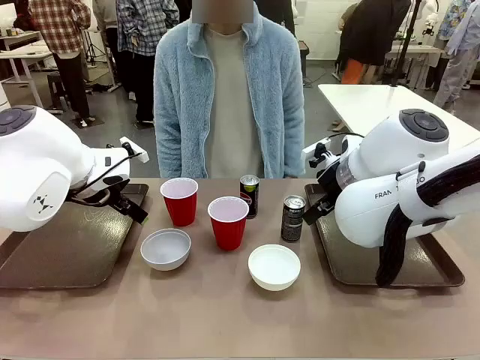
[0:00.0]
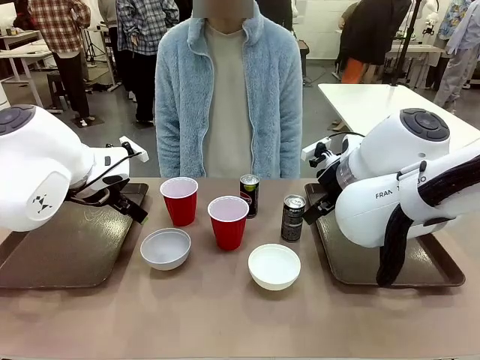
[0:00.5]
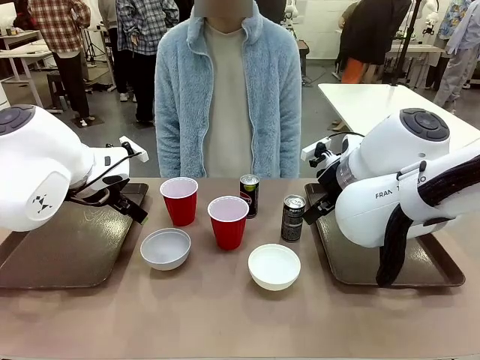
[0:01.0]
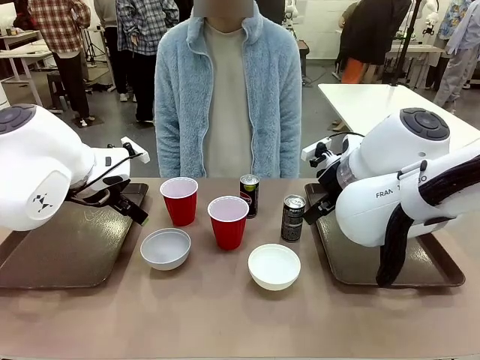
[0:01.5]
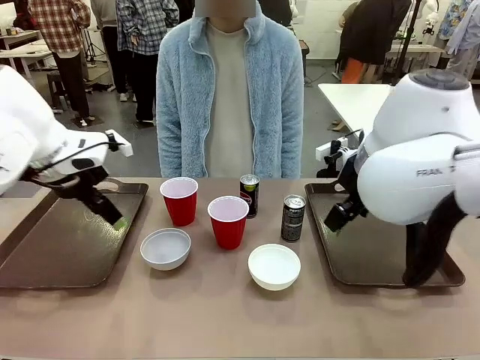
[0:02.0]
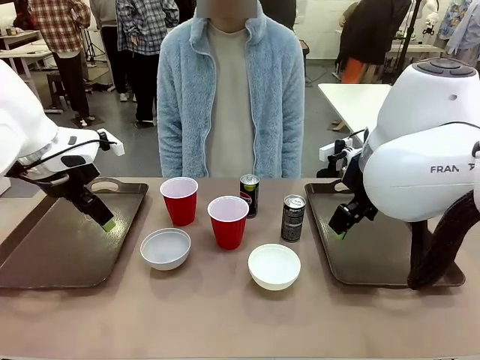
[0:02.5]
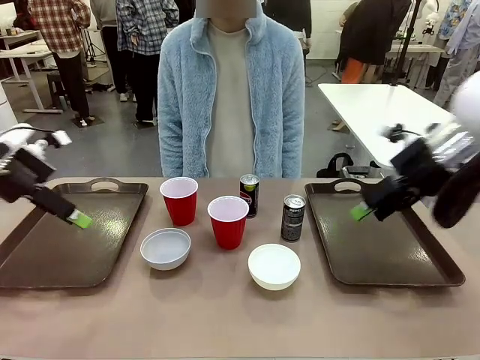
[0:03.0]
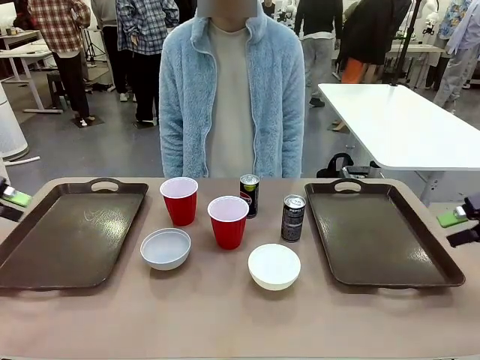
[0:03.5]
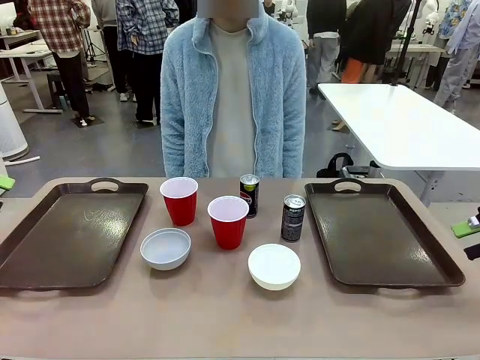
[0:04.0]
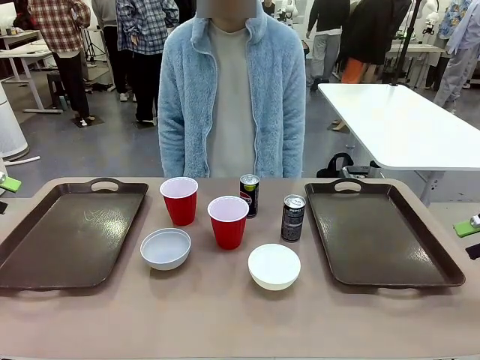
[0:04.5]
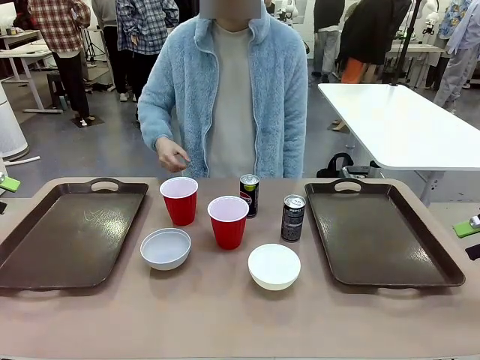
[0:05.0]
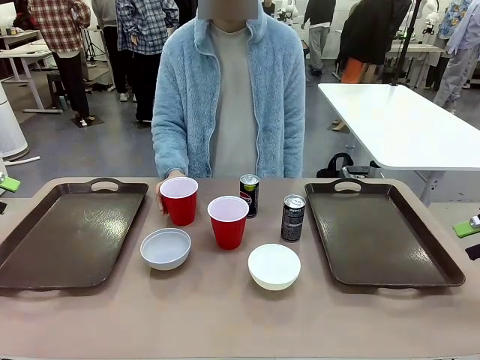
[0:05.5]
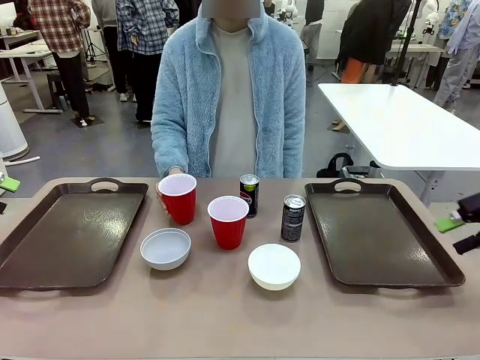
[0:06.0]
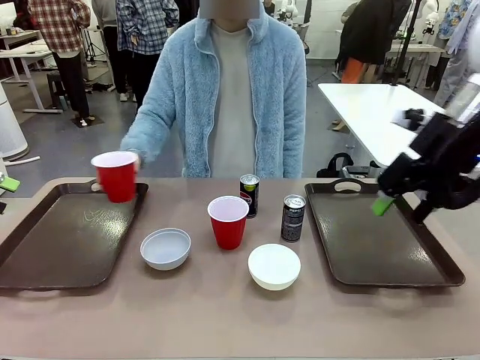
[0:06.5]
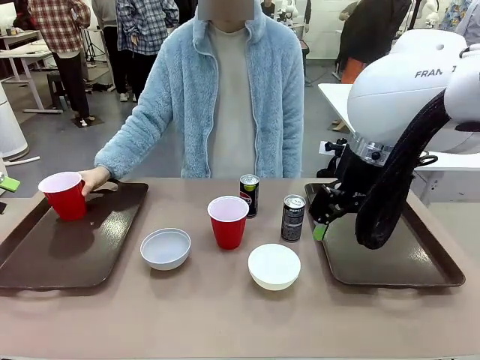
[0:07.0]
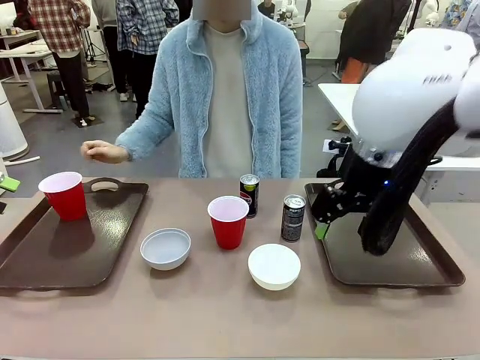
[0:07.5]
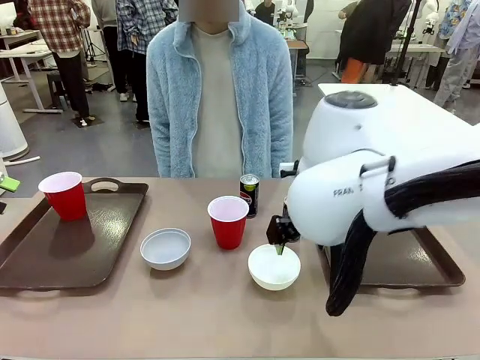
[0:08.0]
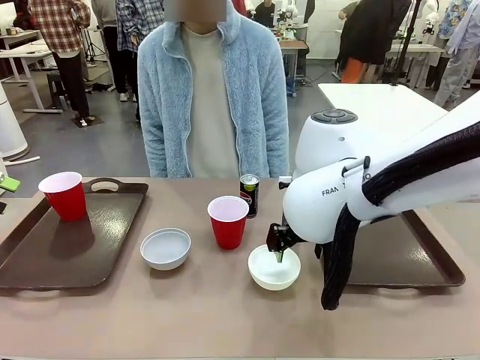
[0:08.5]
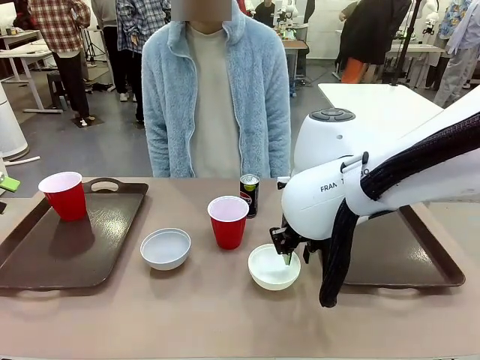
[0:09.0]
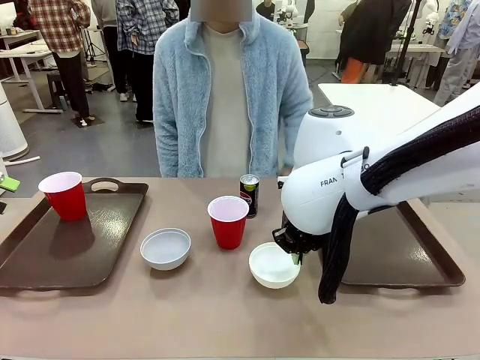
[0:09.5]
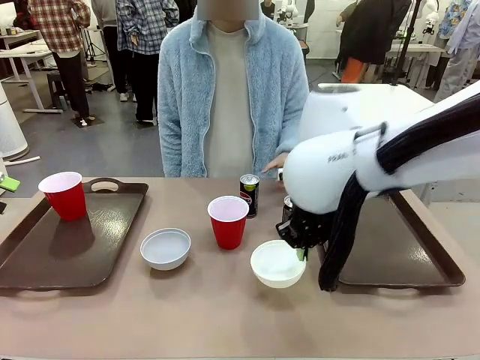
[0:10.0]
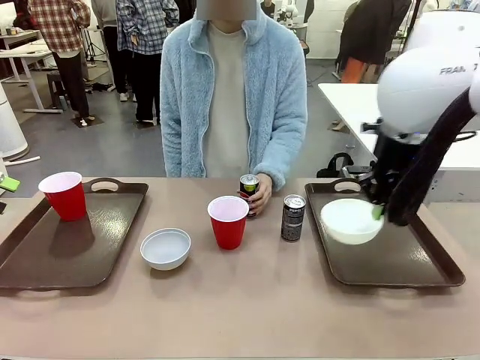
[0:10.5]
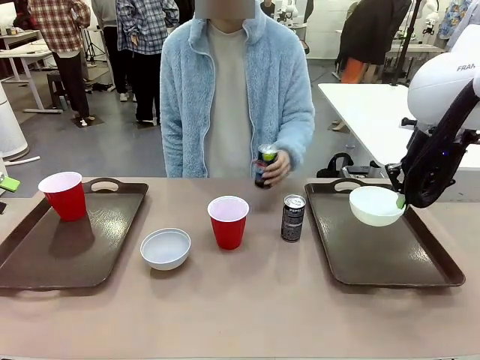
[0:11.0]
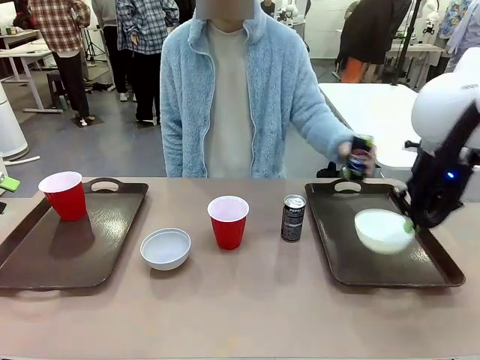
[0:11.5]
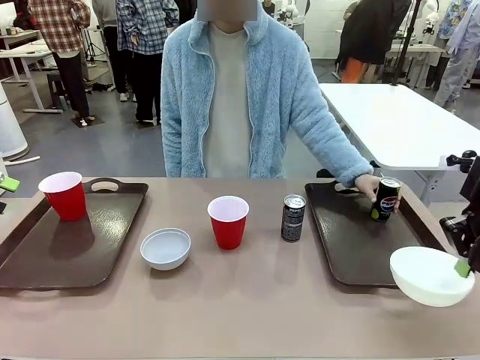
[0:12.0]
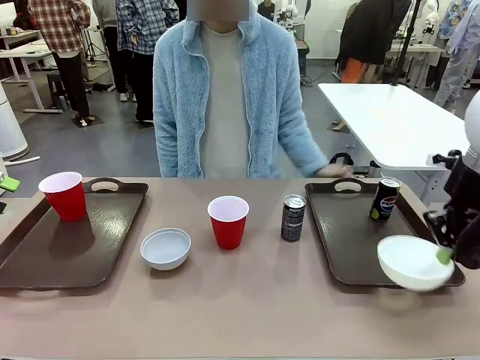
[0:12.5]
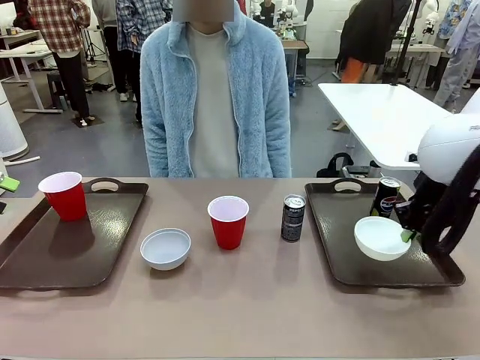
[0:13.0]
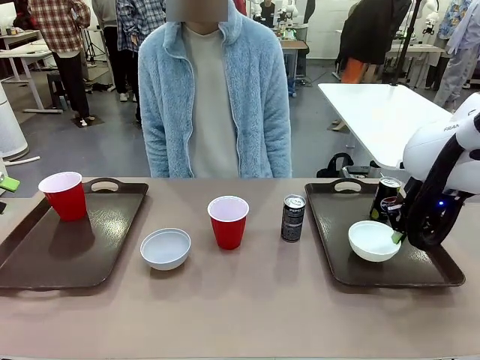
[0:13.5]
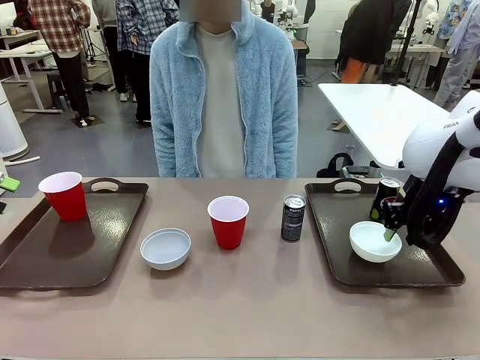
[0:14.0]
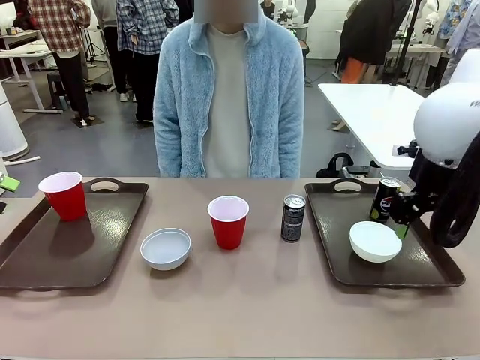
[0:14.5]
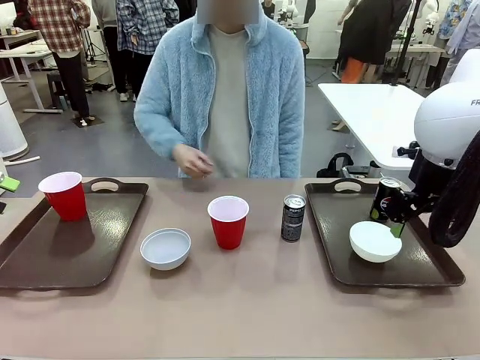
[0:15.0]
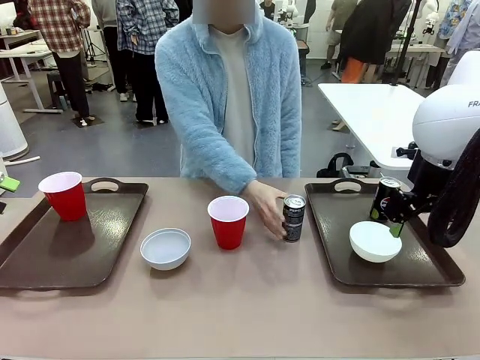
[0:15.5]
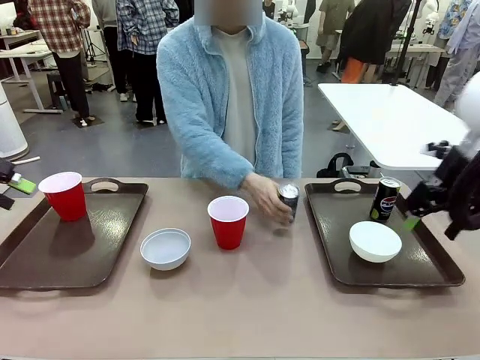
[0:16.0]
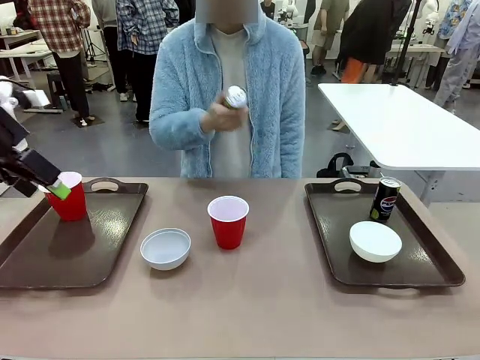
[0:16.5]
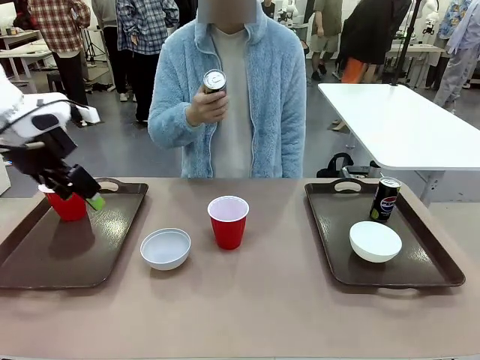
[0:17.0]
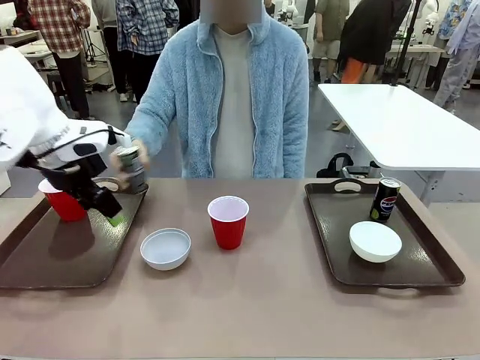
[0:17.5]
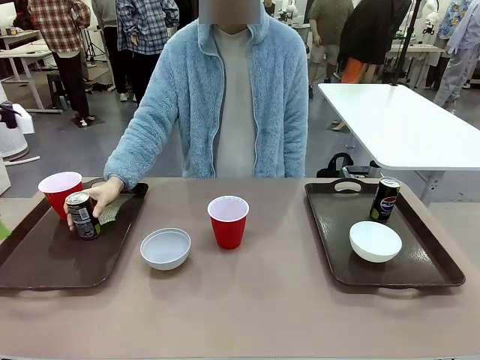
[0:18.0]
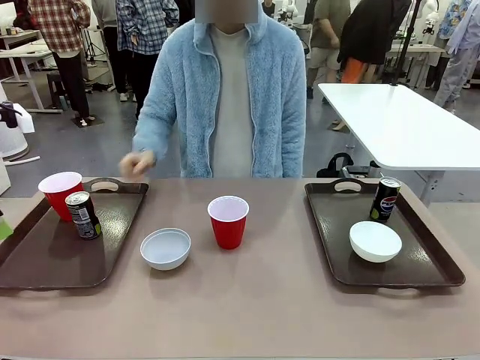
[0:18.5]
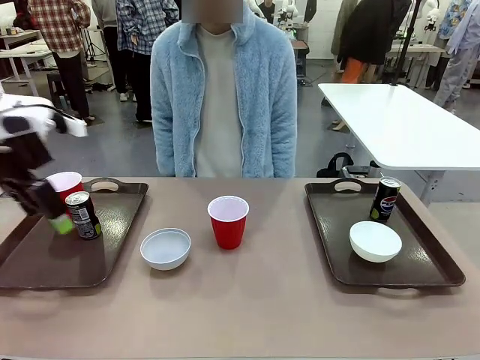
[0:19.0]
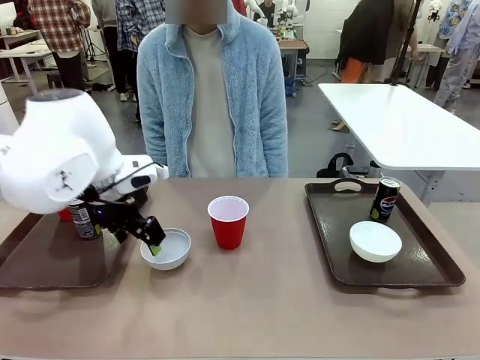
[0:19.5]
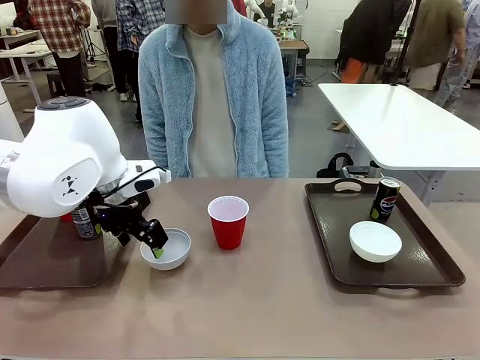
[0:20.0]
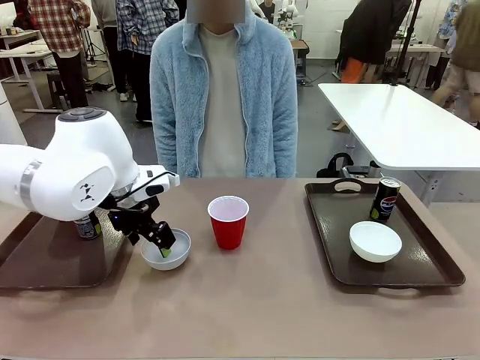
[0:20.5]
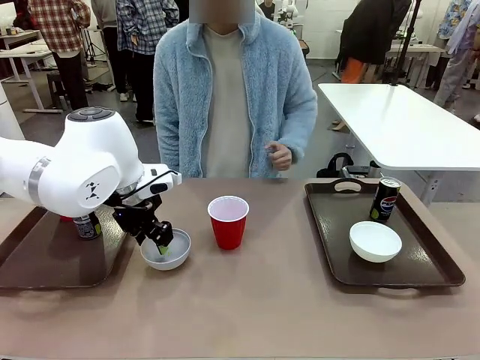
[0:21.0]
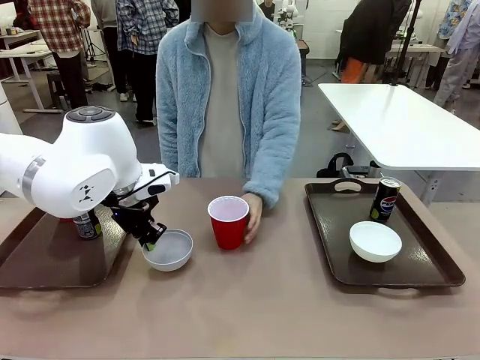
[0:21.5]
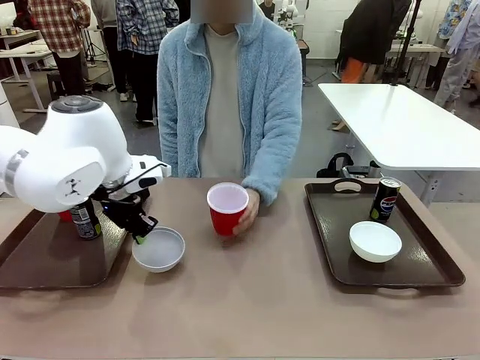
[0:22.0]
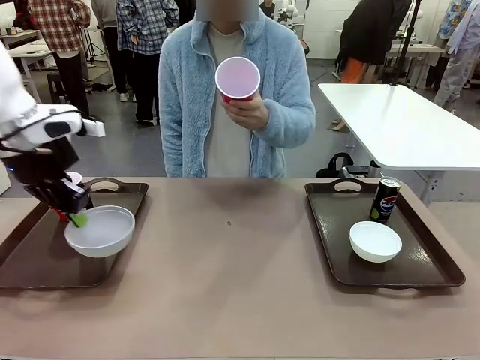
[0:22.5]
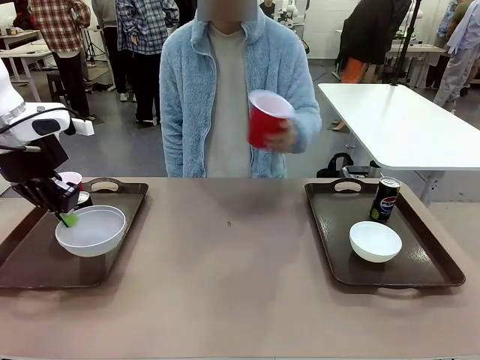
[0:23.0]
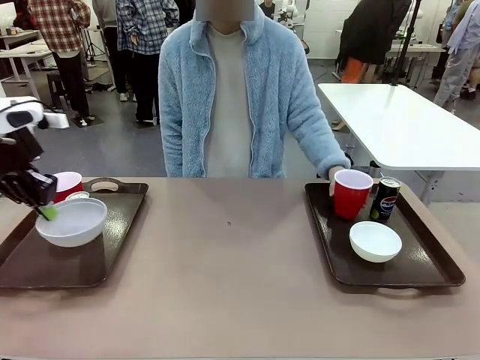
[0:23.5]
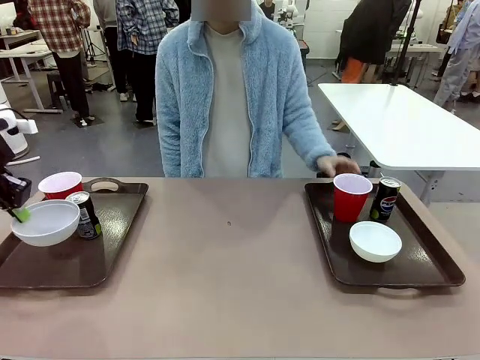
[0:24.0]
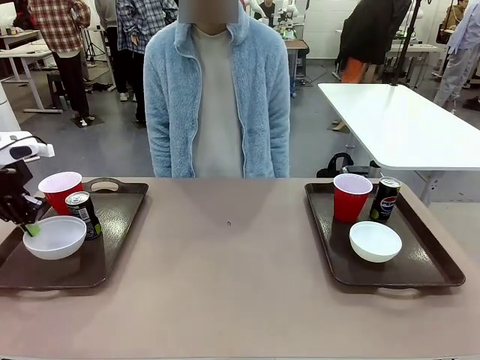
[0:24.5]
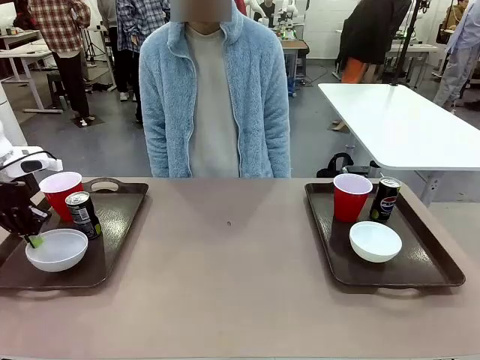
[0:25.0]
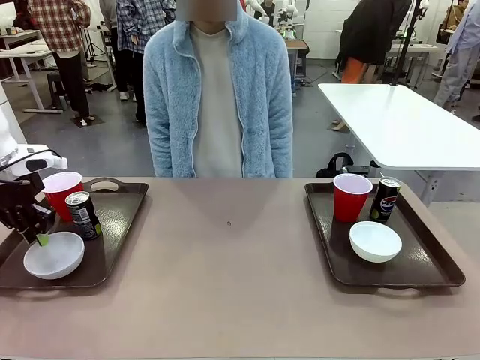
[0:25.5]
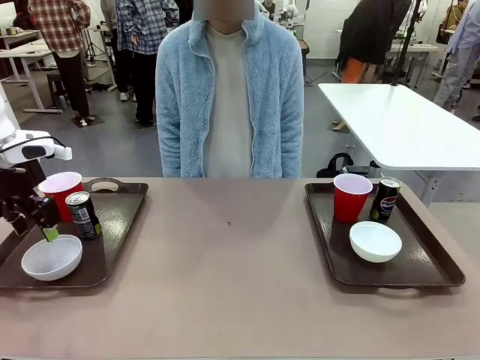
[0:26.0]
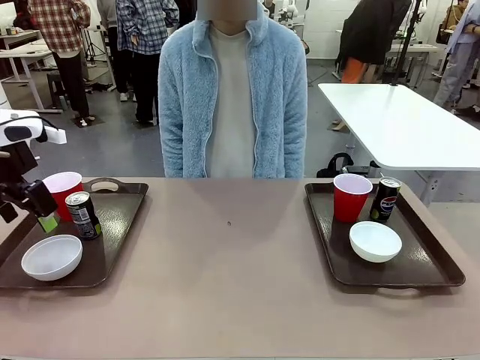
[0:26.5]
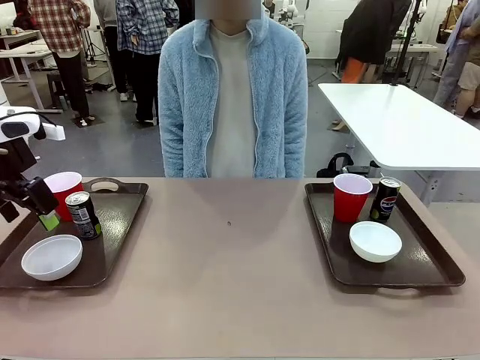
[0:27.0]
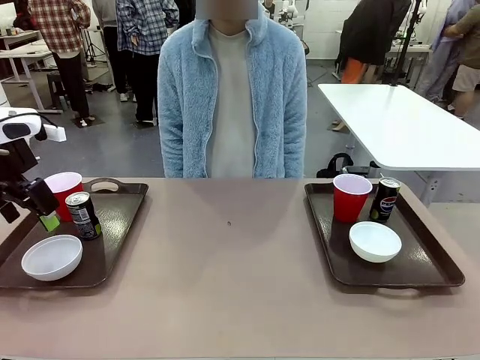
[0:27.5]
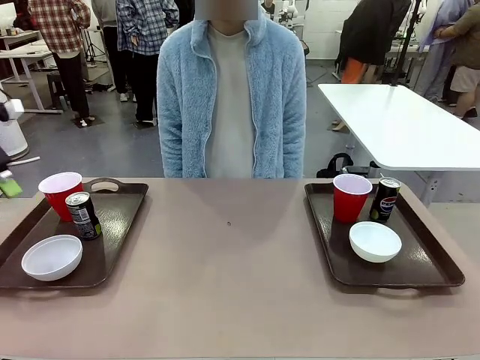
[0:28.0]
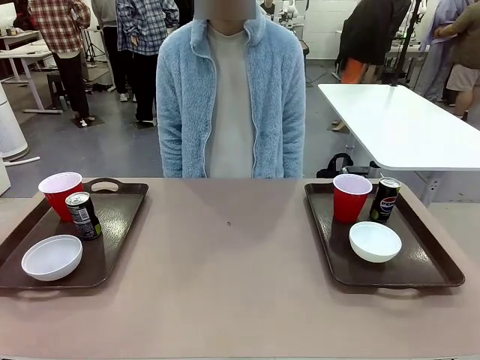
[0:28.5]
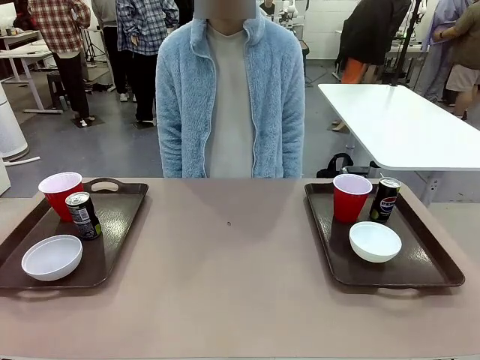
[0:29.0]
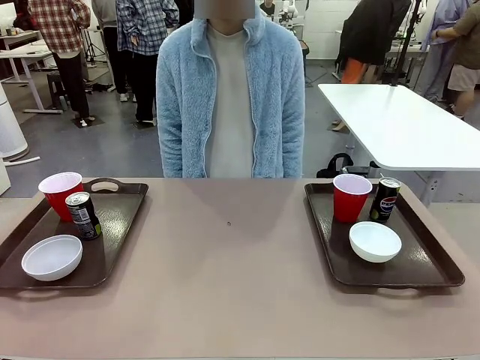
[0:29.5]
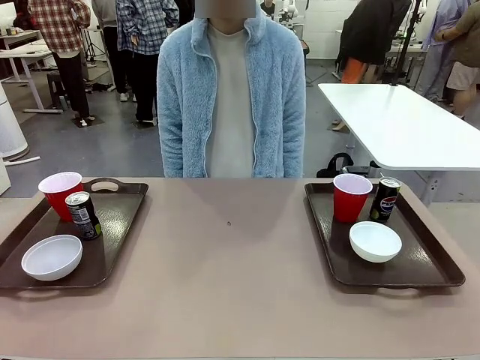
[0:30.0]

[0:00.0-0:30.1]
Task: Prepare tableware on both trays.
Robot: Pick up a Picnic Bowl from the table and place it on a Handle tray.
Person: Pick up a can or cup and place it on the tray. Pick up a can or cup and place it on the tray without a can or cup.
